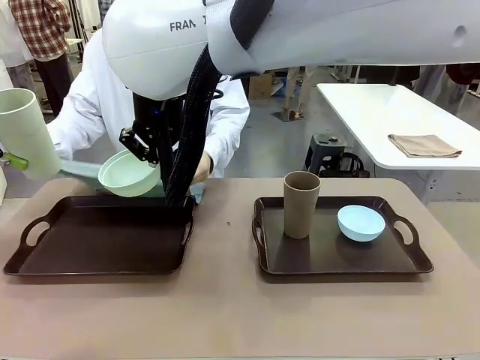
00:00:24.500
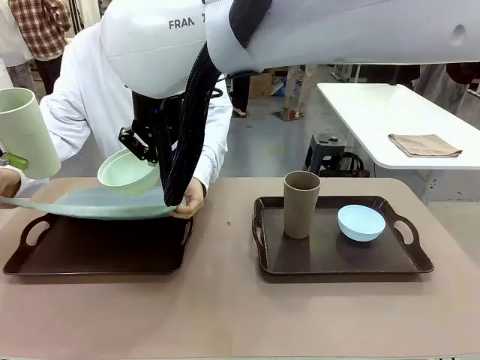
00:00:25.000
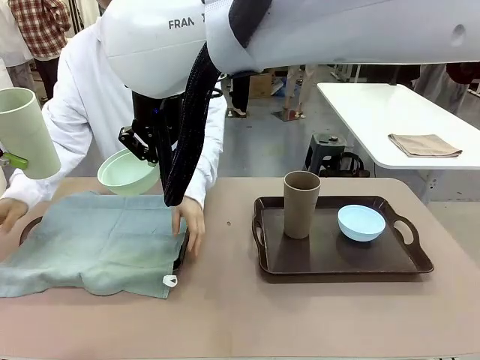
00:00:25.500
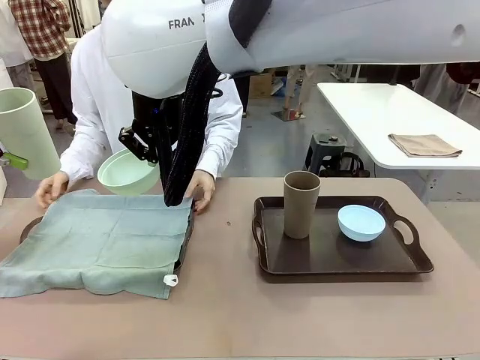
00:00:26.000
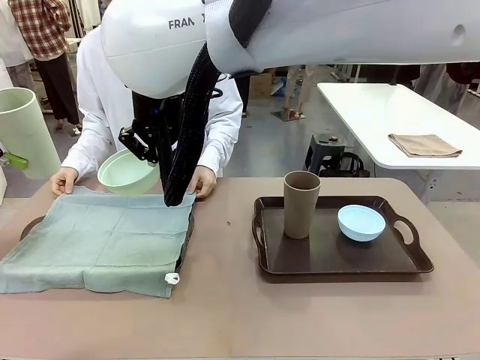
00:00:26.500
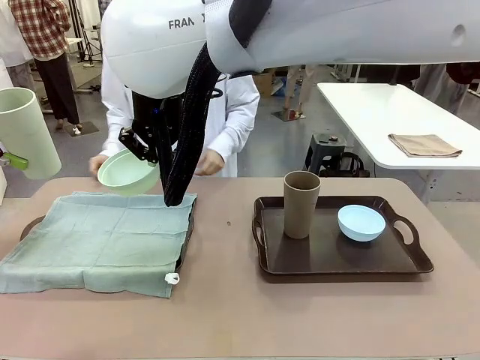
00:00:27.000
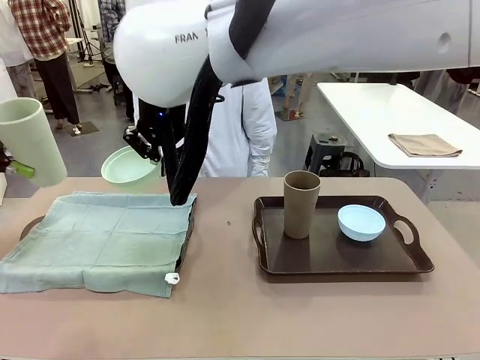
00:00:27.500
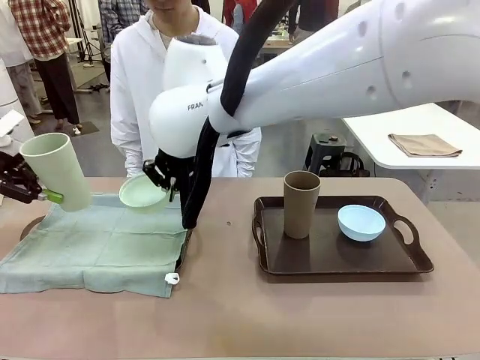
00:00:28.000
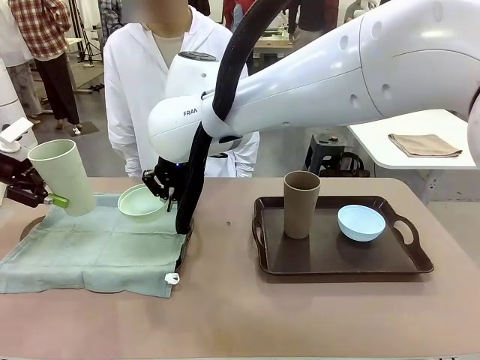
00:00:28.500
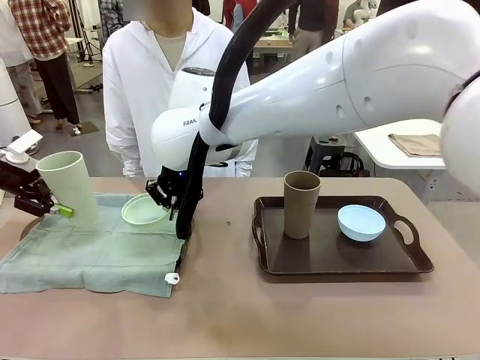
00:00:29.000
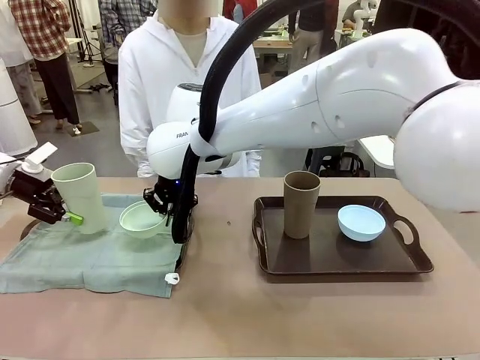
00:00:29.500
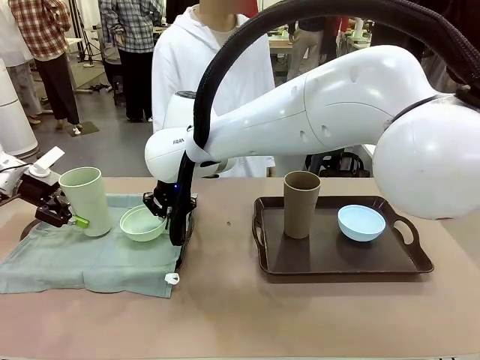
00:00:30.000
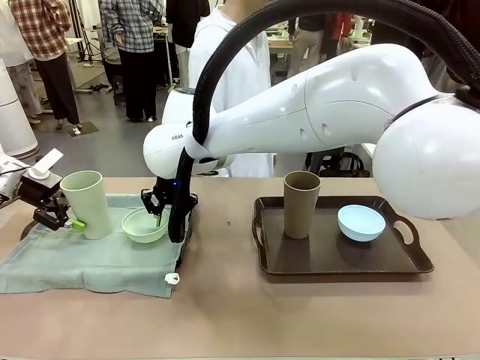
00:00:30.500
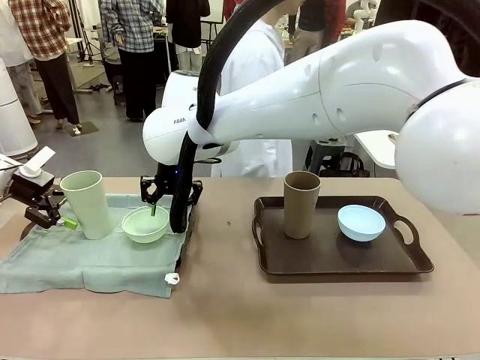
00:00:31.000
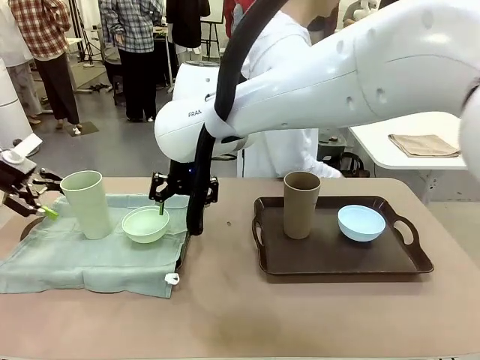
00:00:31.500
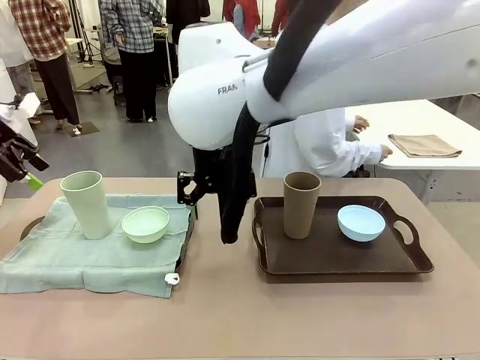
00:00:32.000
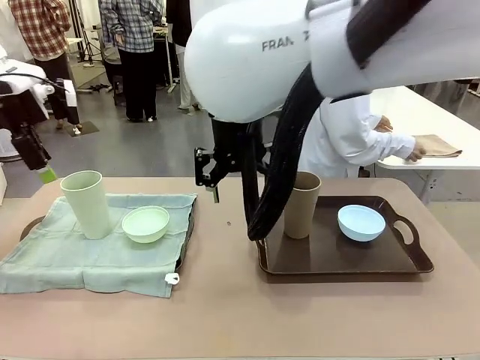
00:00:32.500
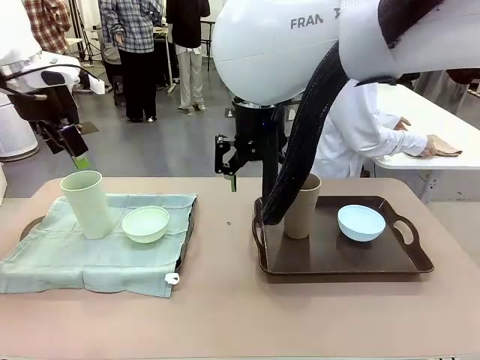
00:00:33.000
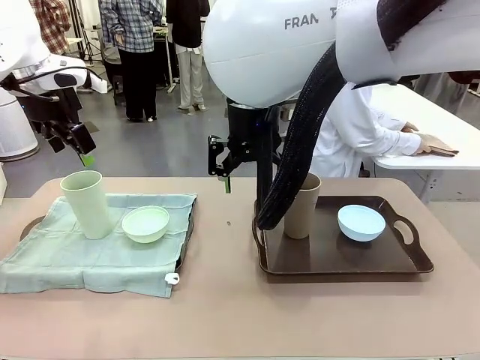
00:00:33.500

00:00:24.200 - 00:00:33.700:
Robot: Place the Picnic Bowl and Reusable plastic cup back onto the Handle tray in front of the human's position.
Person: The human returns to the human table to pick up another napkin and walks to the robot table to stand in front of the tray without a napkin.

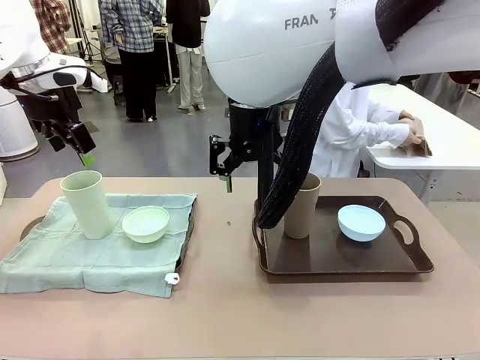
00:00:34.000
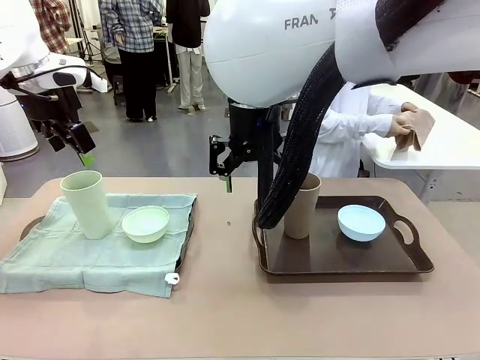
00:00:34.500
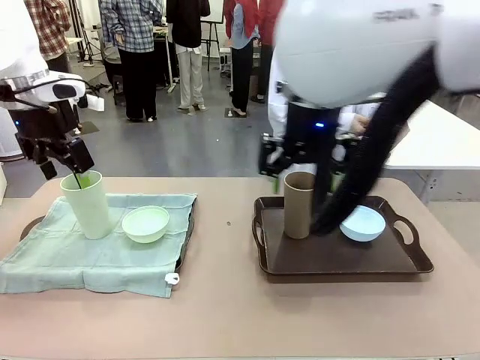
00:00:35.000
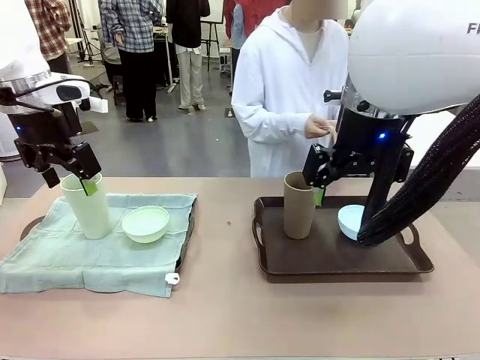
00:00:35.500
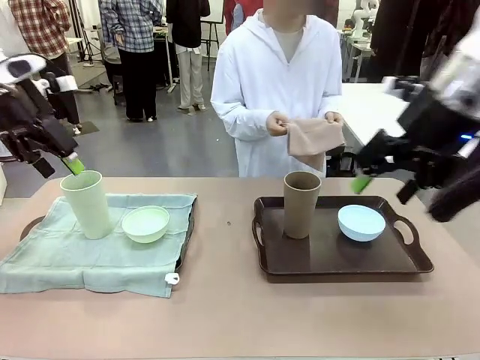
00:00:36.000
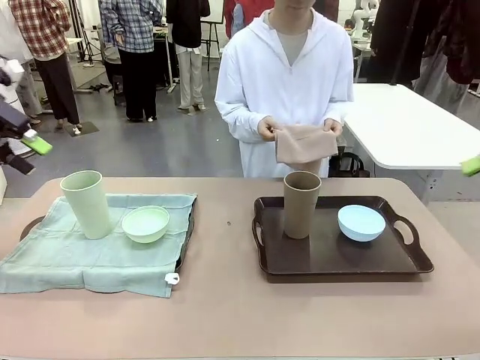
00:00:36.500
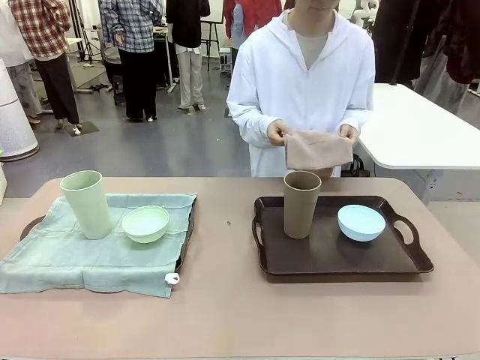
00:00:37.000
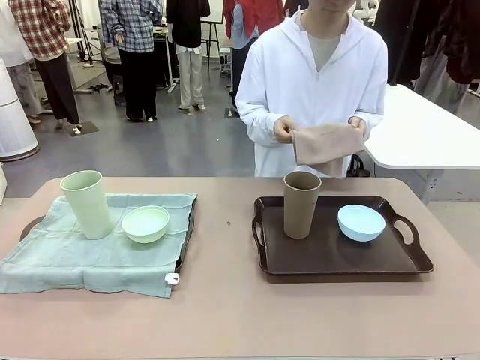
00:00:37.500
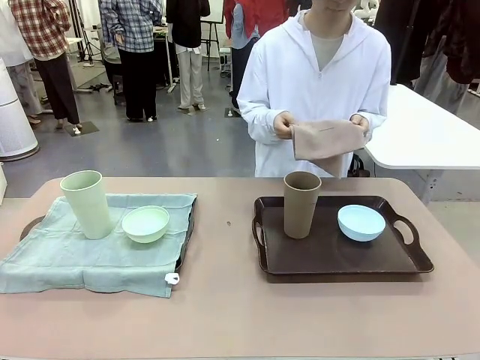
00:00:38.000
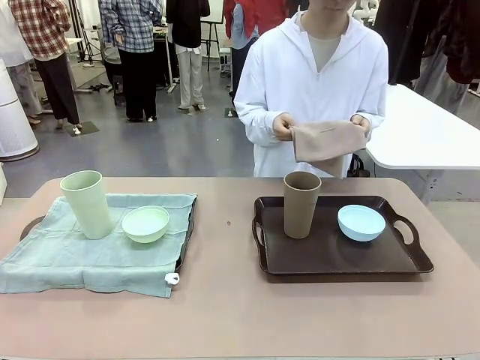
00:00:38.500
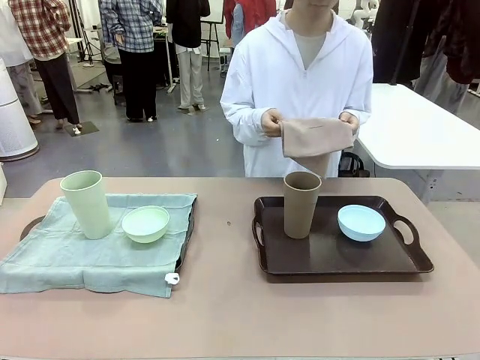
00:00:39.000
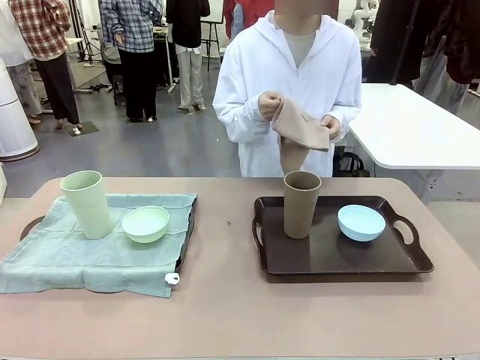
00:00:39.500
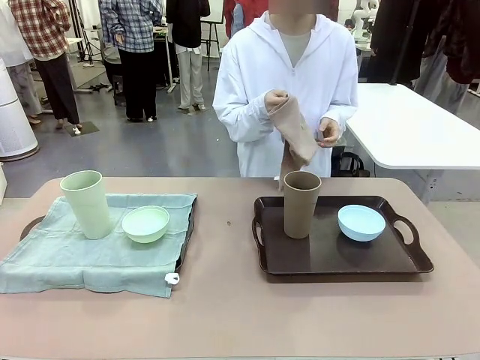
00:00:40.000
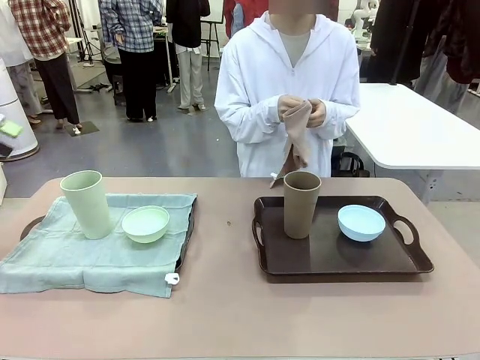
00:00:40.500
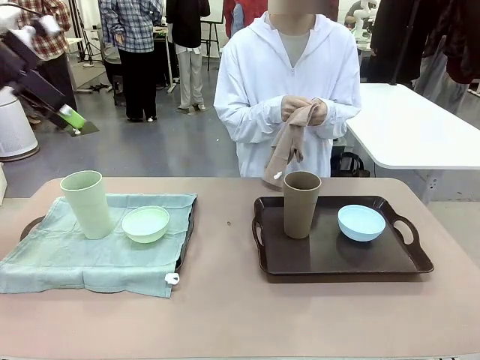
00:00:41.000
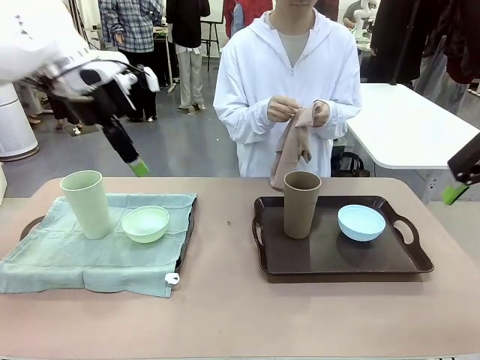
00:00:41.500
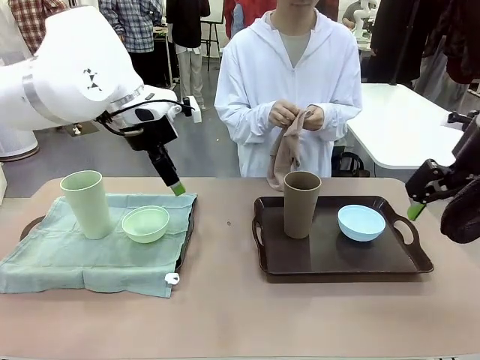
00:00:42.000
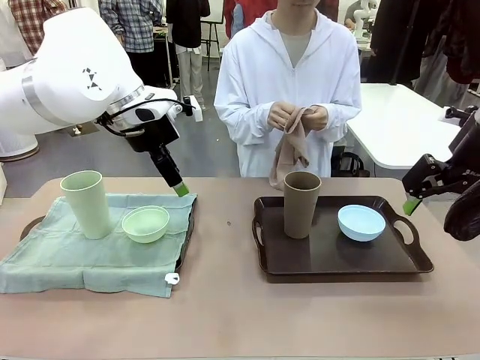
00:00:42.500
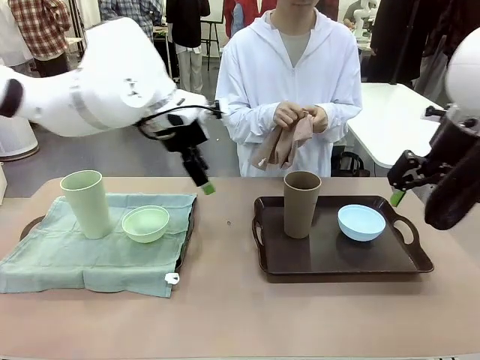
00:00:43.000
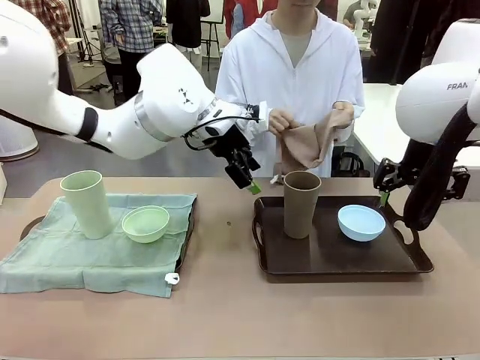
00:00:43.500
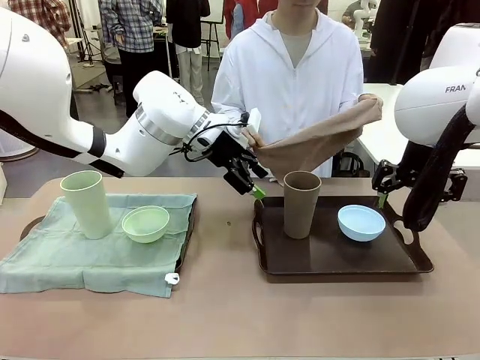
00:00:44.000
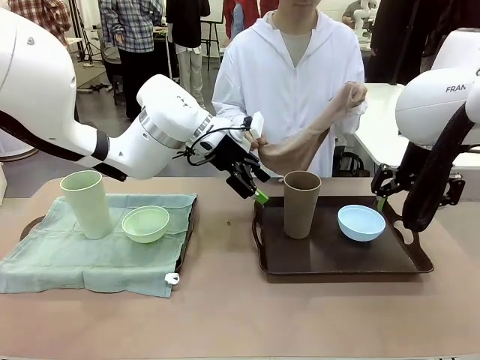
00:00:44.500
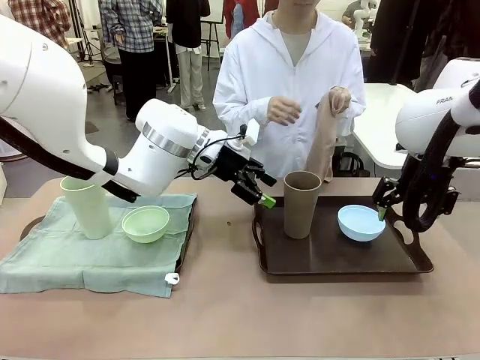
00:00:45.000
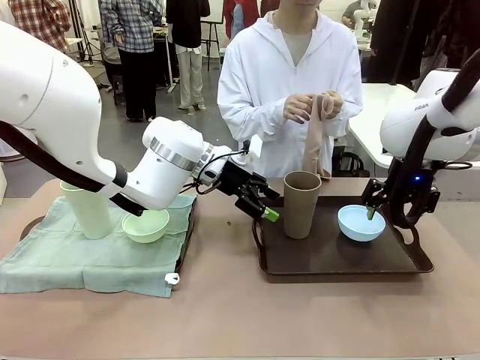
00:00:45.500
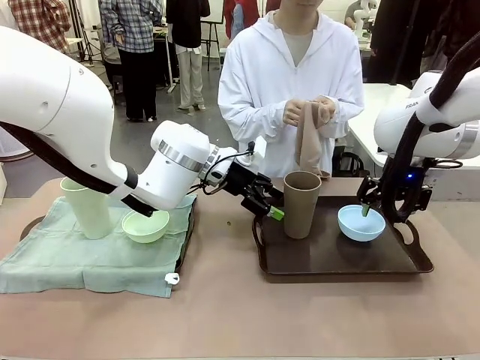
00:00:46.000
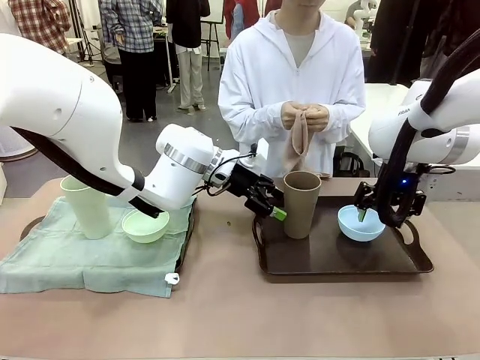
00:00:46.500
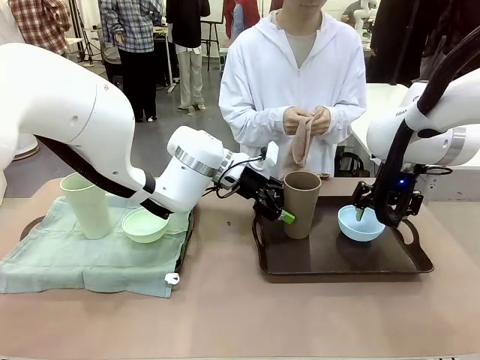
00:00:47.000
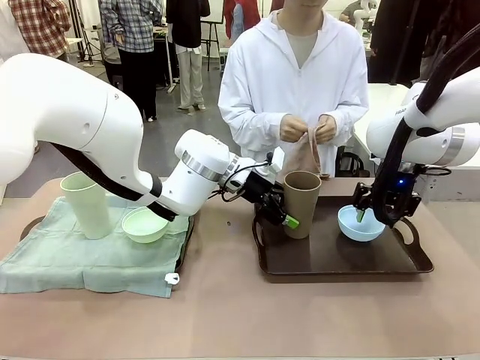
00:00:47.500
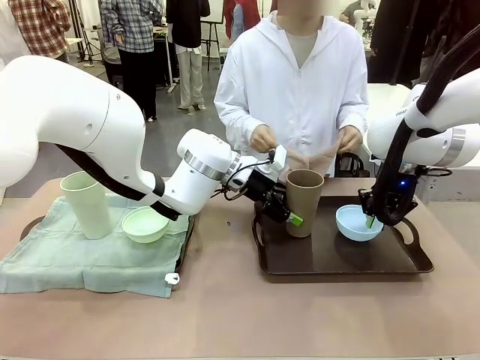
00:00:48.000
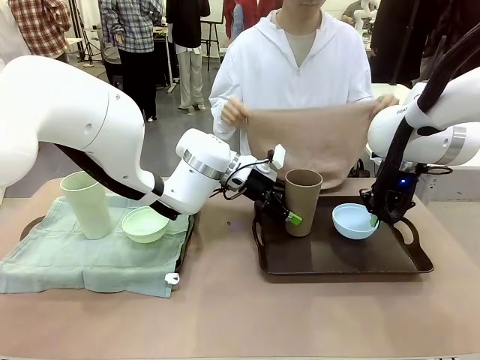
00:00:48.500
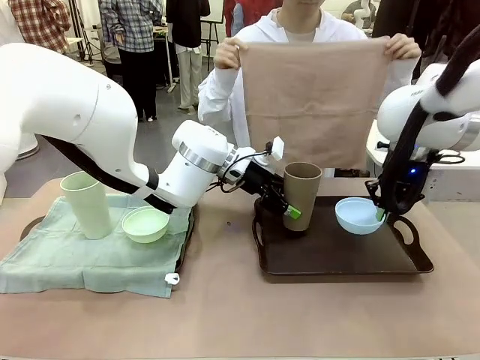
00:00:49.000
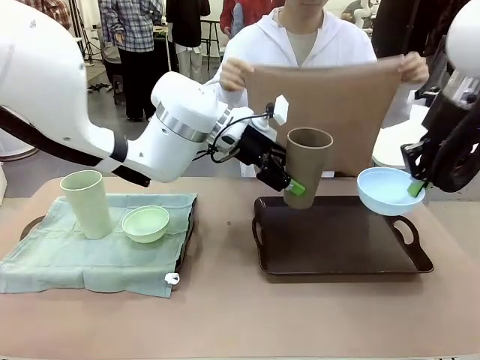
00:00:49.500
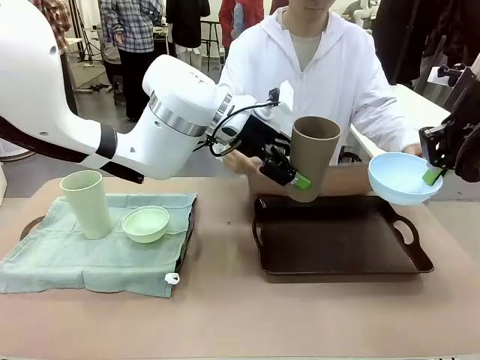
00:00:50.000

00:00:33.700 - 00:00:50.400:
Robot: Pick up the Picnic Bowl and Reusable plastic cup from the Handle tray in front of the human's position and hold them in the air.
